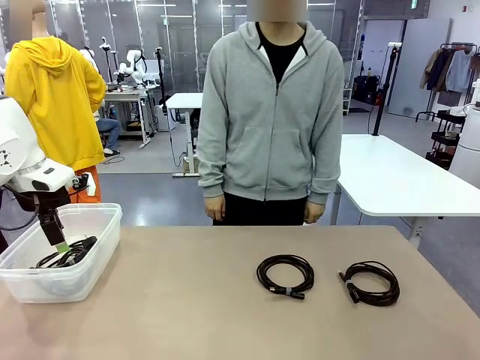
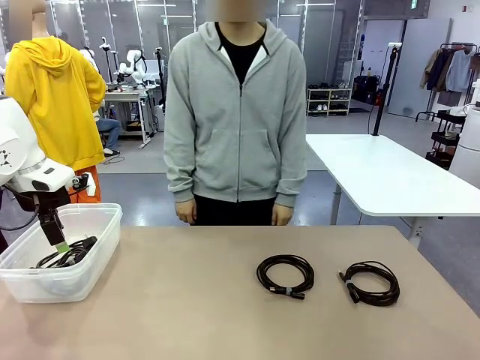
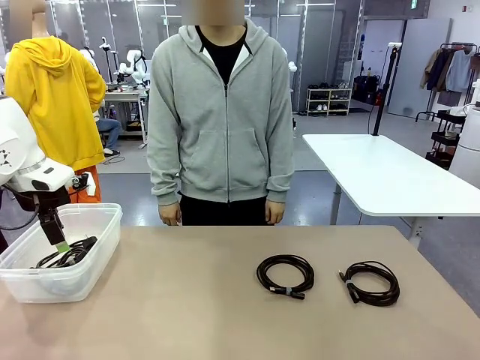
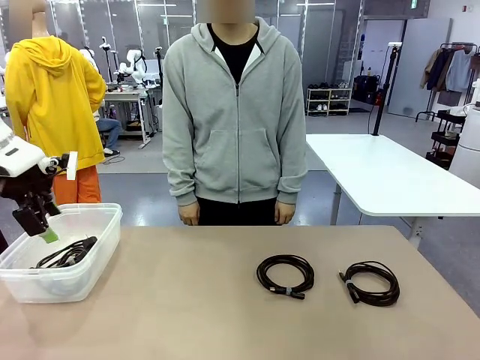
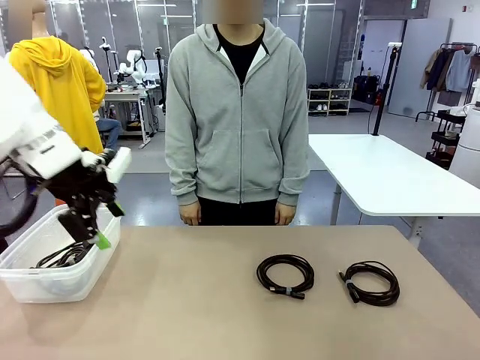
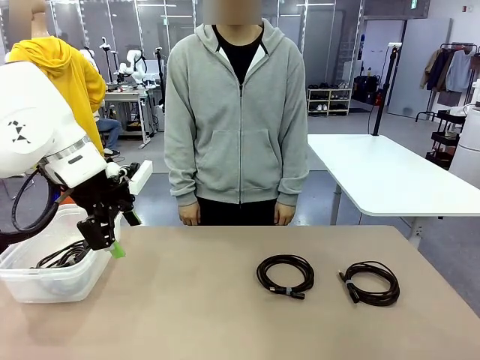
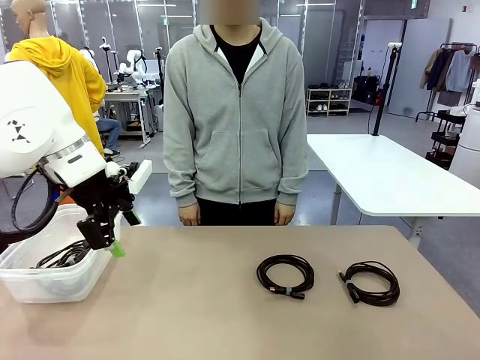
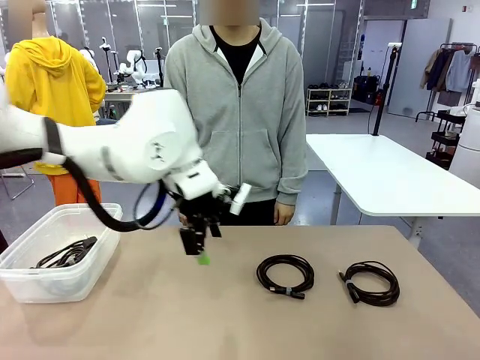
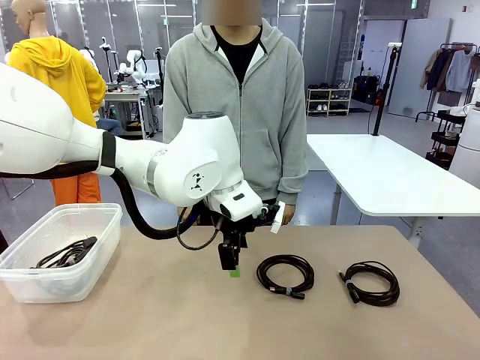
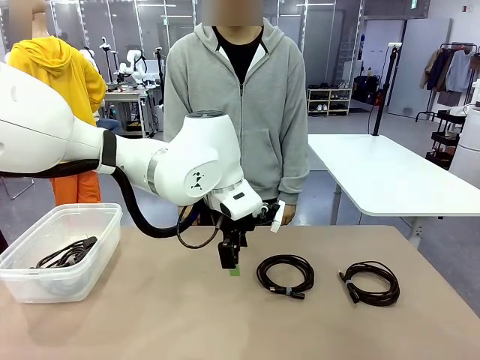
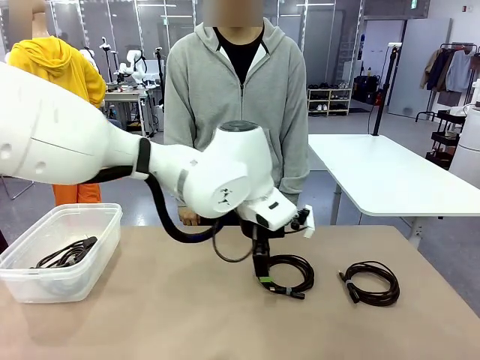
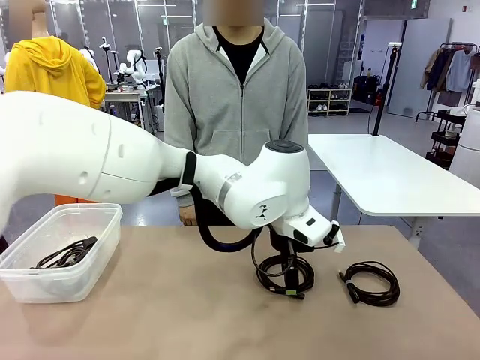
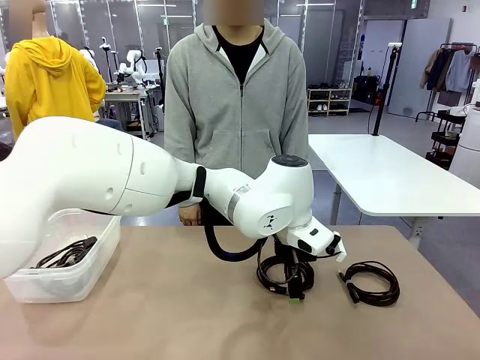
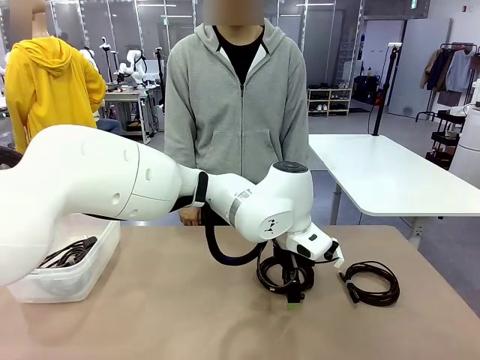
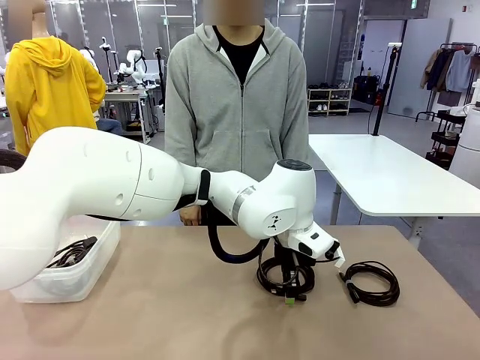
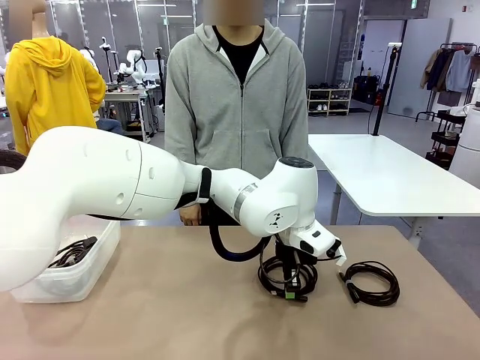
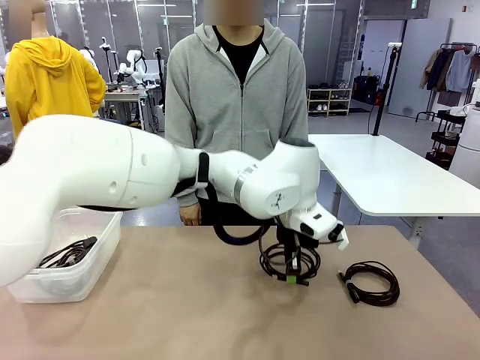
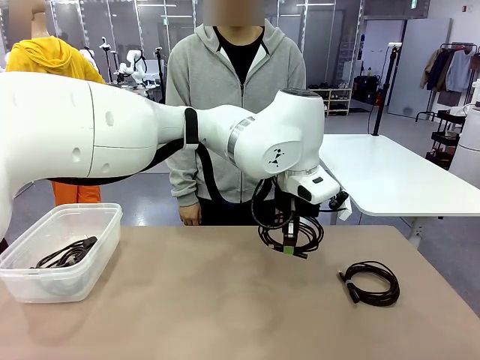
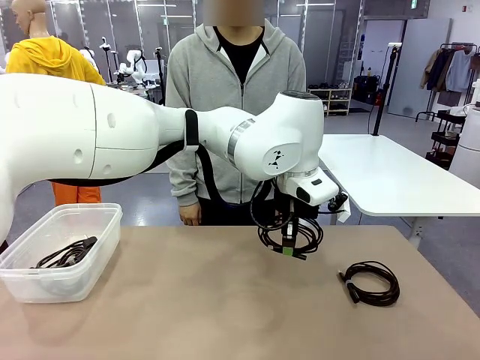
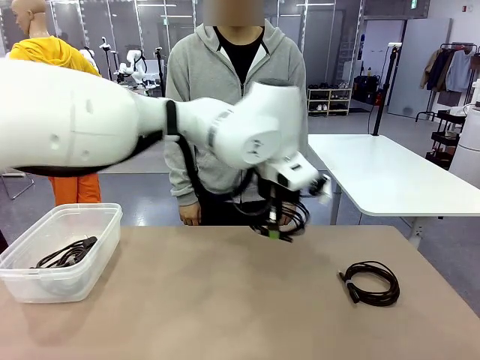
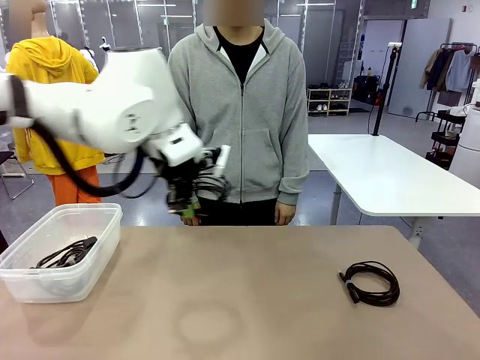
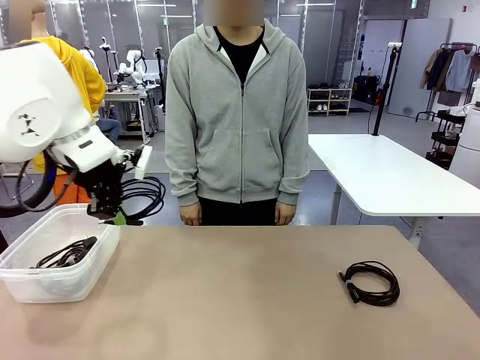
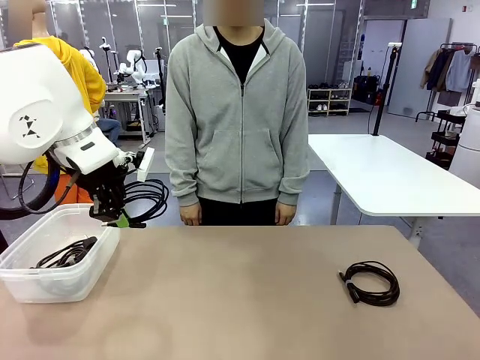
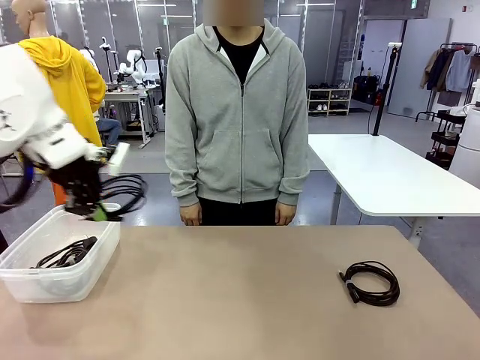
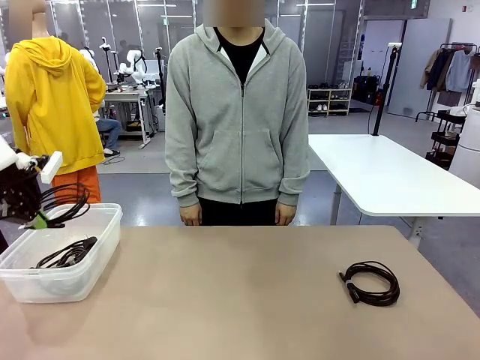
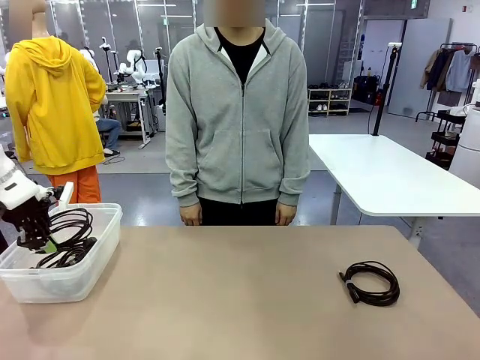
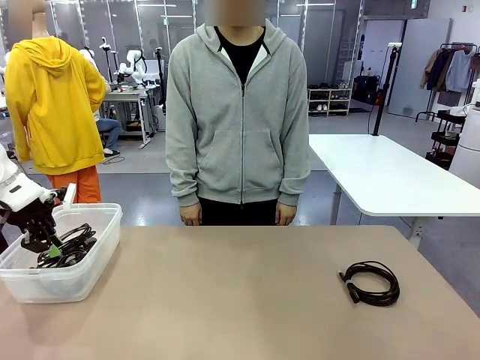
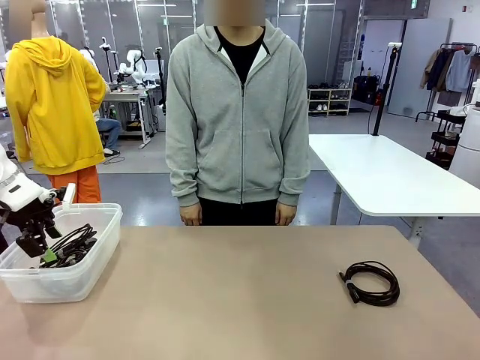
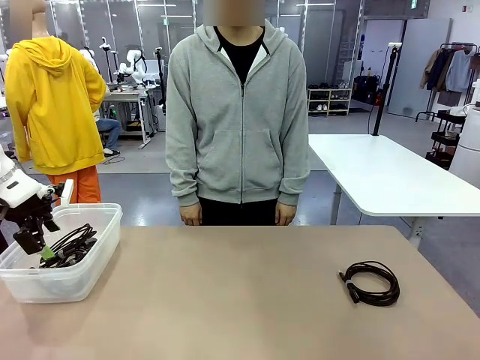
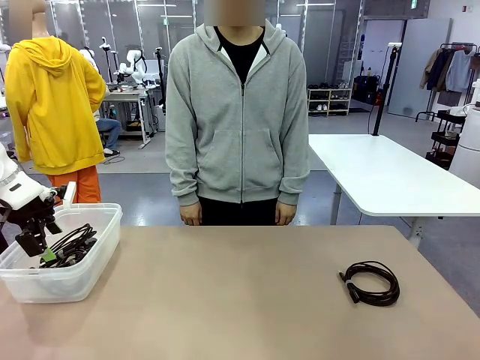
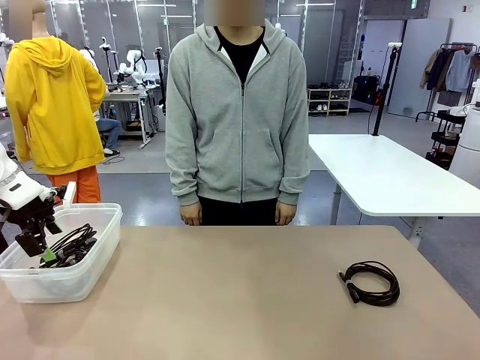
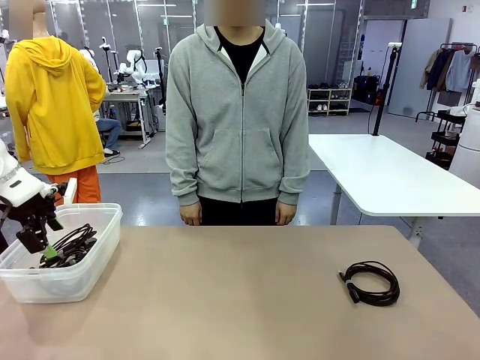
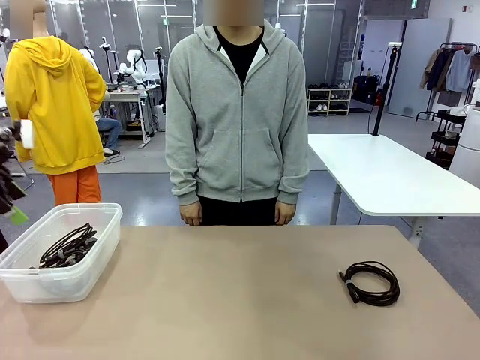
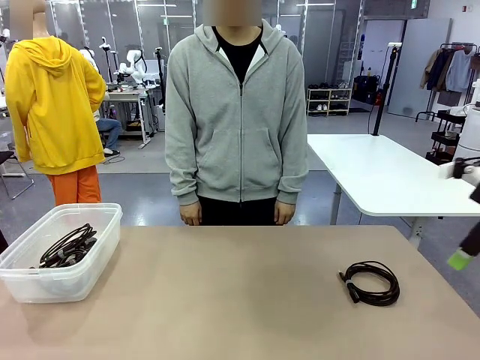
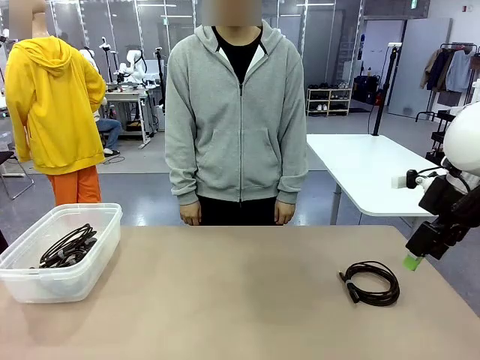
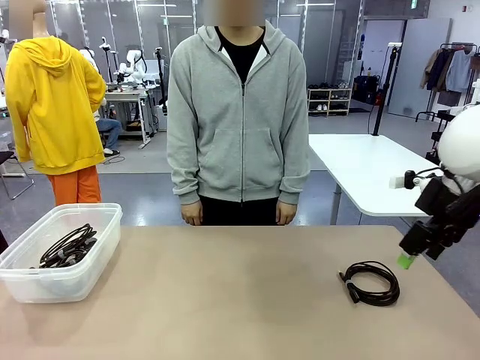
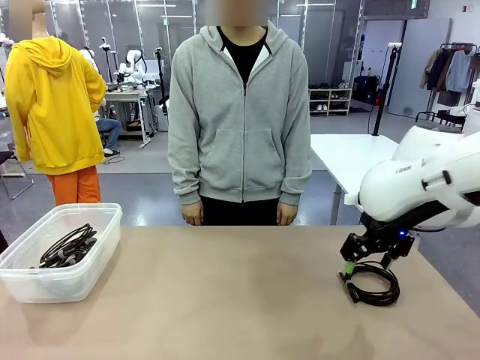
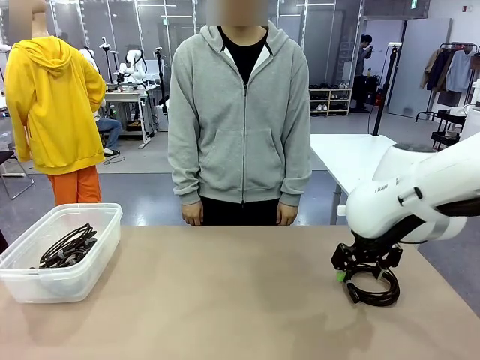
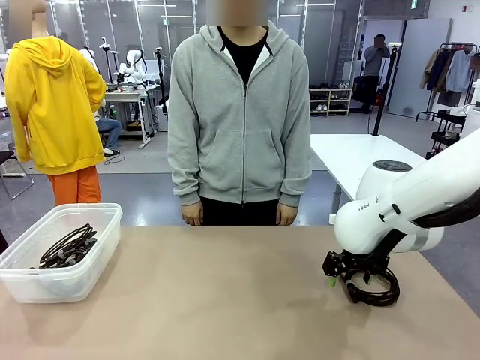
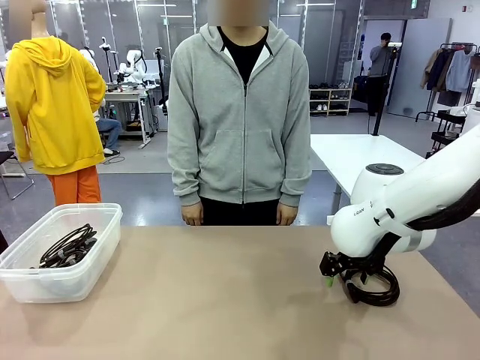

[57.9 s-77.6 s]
Task: Organize and store the cables.
Robot: Place the USB Extension Cable into the Organizing box.

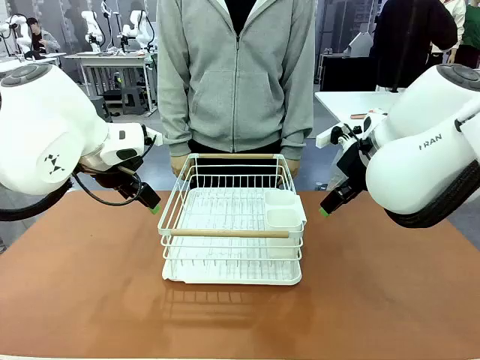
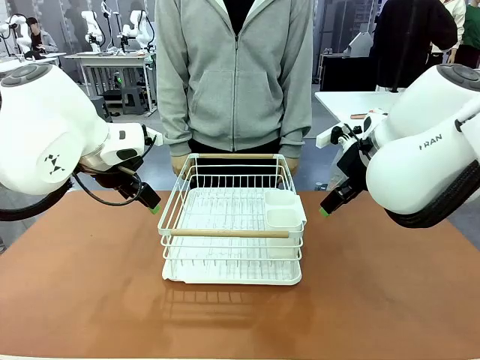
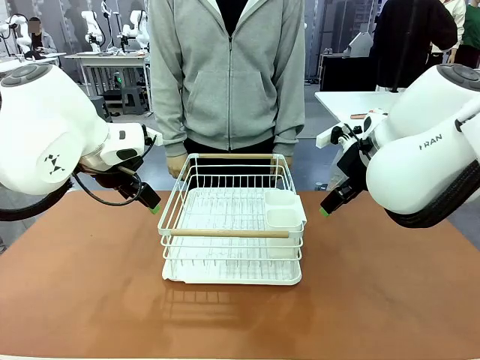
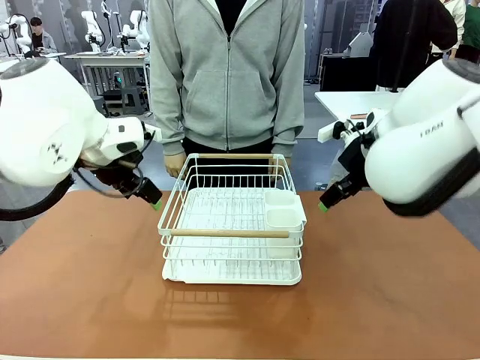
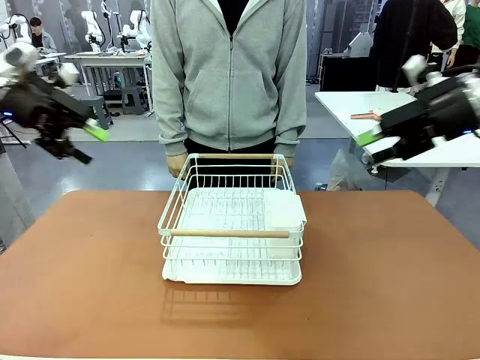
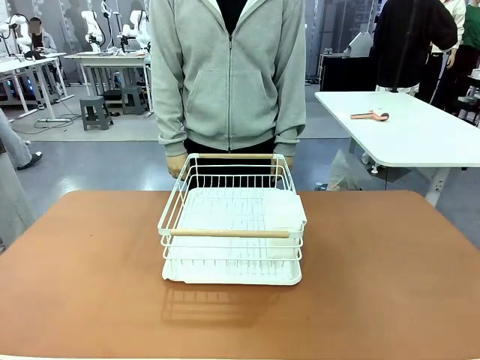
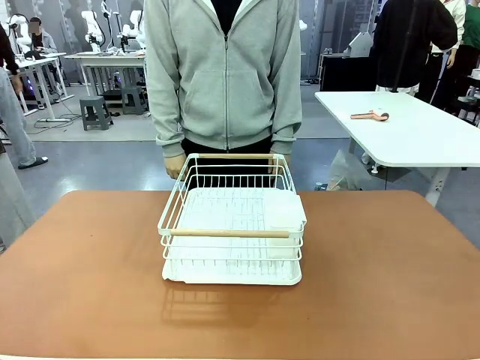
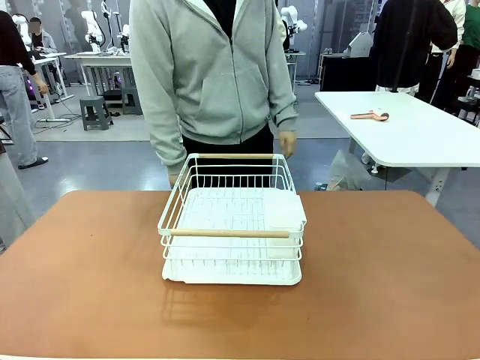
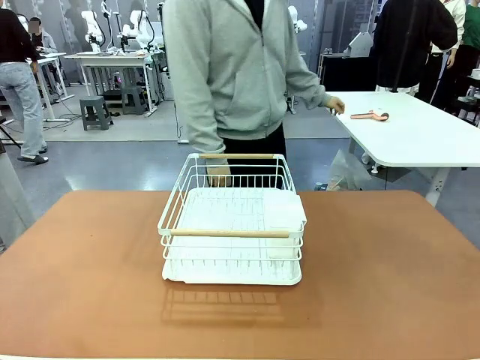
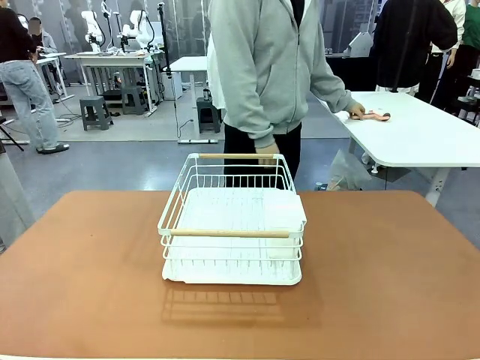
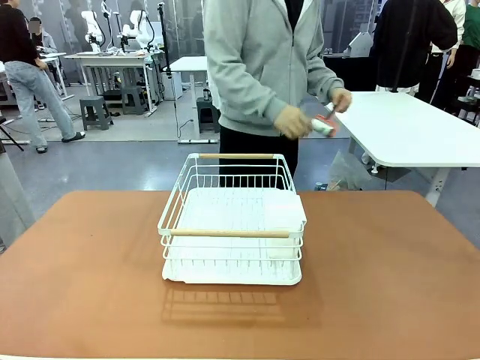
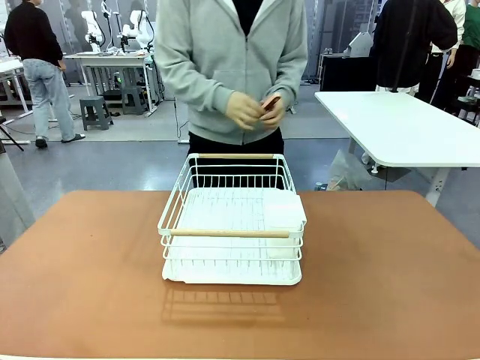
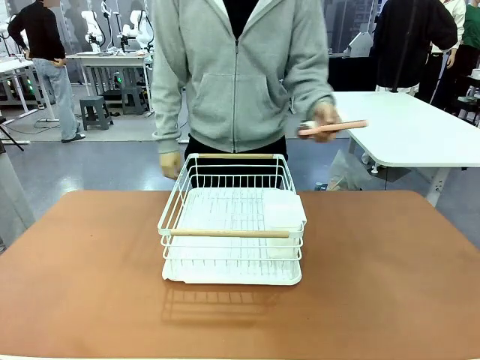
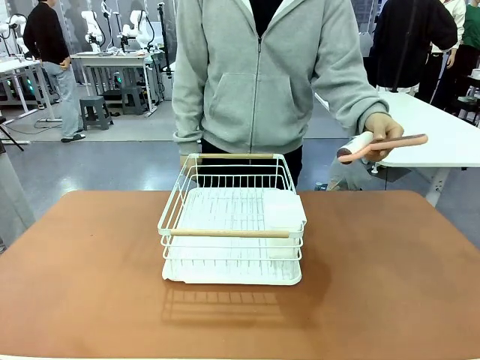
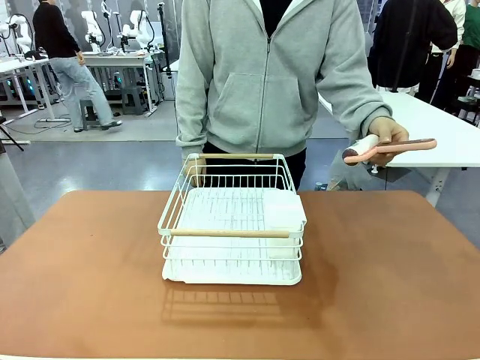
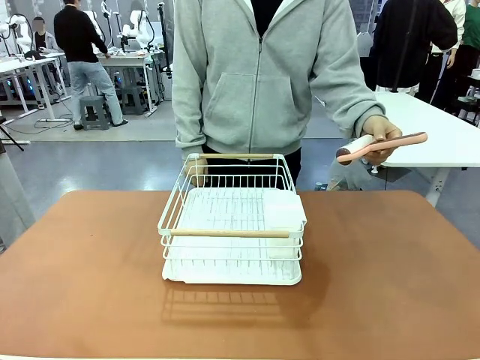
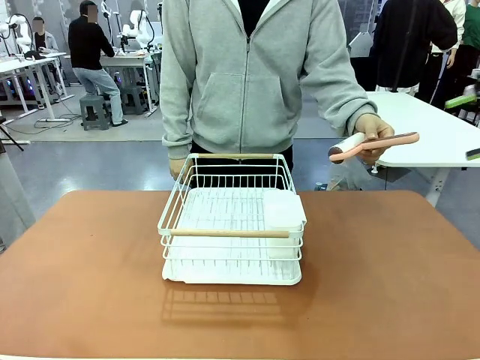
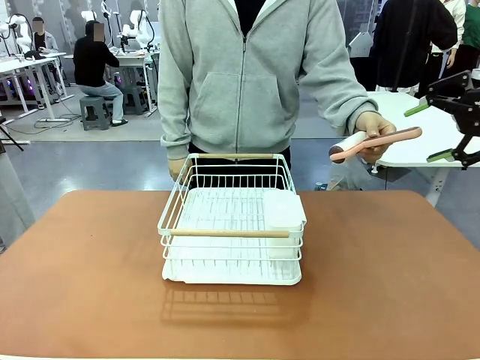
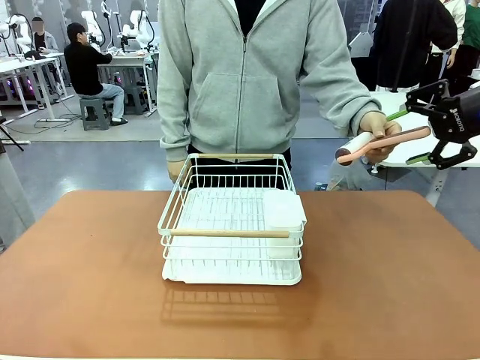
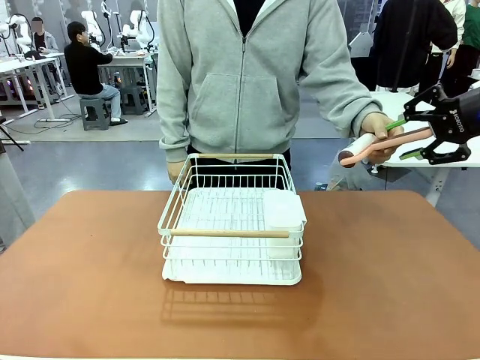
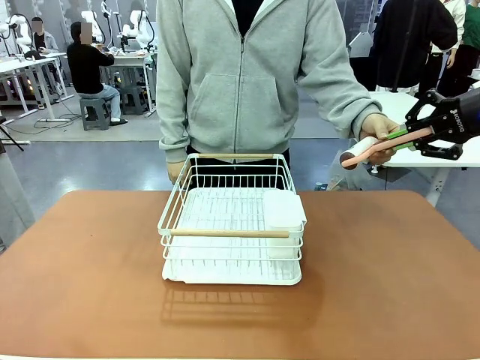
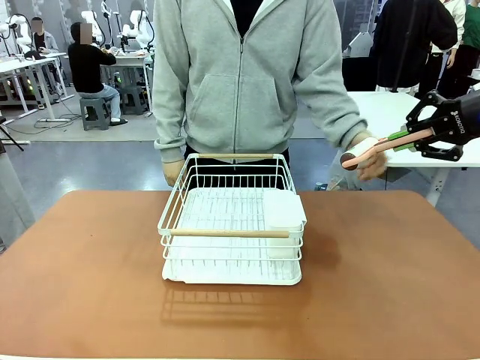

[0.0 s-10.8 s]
Task: Clean the table.
Robot: Pick up the Lint Roller when the human hands it over.
Person: Hand the Lint Roller to the robot so it can easily pick it up. Lift the Dish drying rack.
